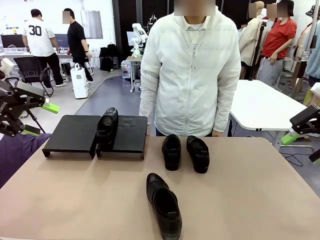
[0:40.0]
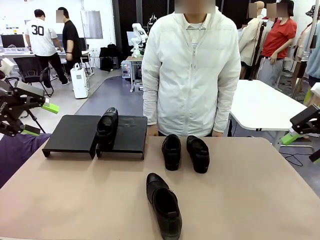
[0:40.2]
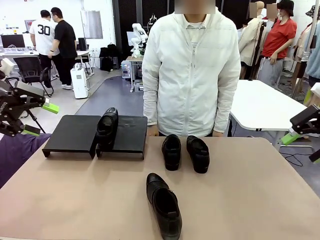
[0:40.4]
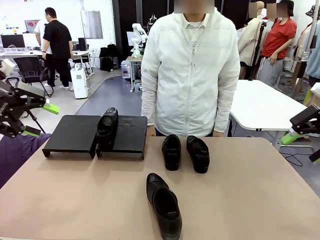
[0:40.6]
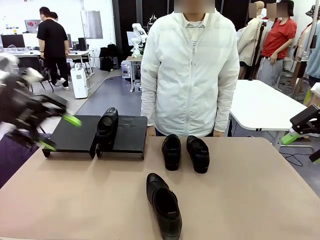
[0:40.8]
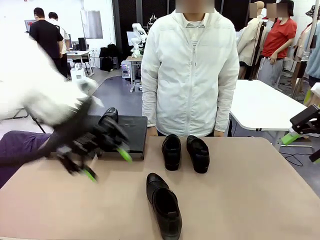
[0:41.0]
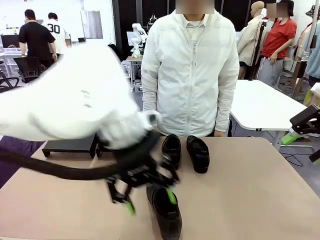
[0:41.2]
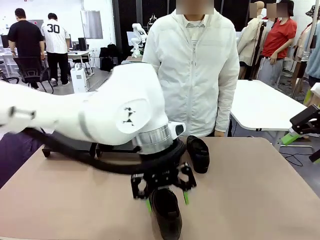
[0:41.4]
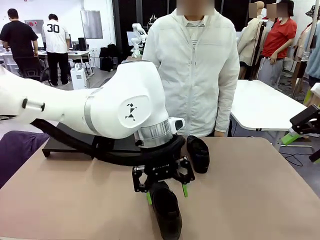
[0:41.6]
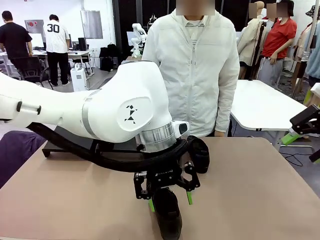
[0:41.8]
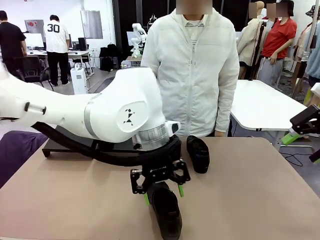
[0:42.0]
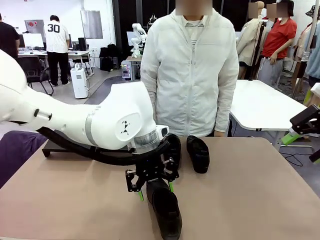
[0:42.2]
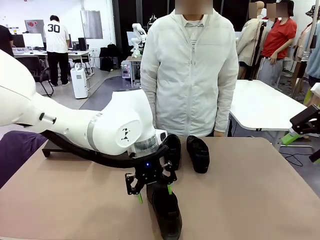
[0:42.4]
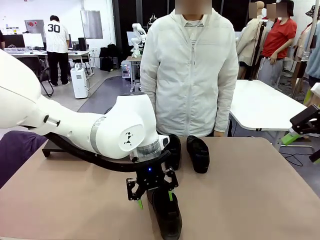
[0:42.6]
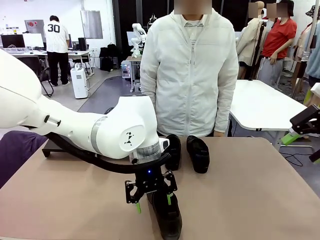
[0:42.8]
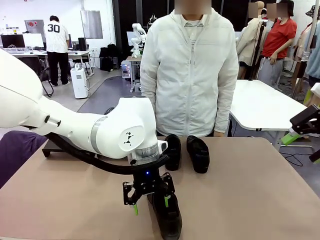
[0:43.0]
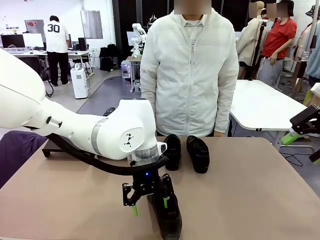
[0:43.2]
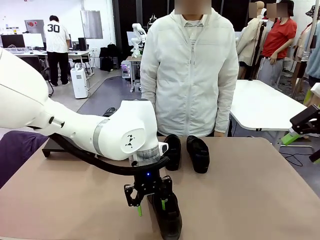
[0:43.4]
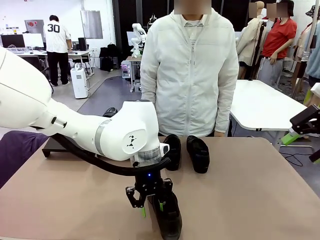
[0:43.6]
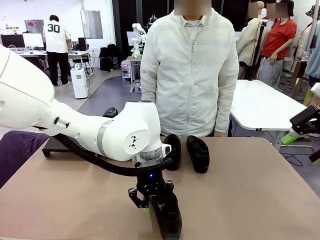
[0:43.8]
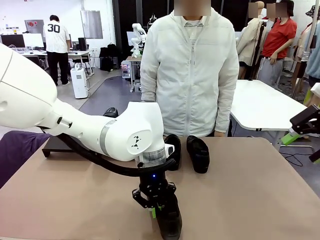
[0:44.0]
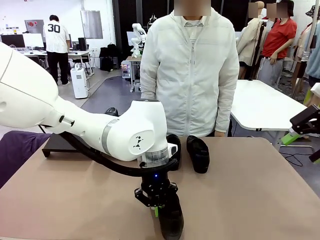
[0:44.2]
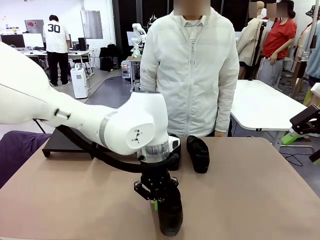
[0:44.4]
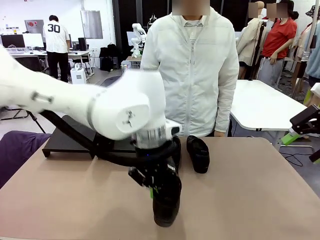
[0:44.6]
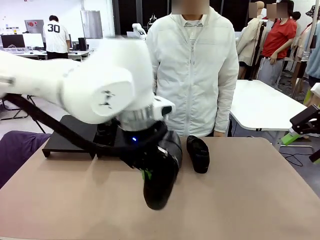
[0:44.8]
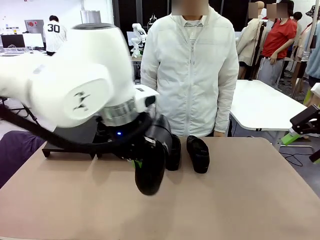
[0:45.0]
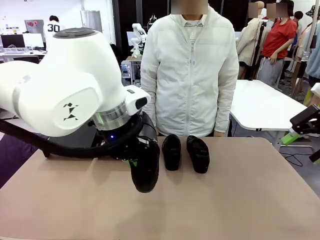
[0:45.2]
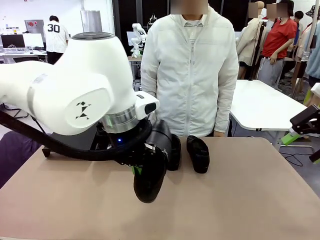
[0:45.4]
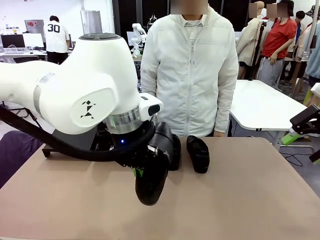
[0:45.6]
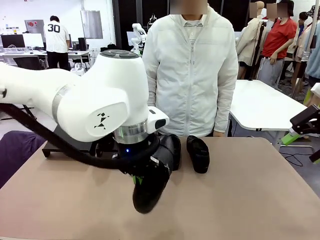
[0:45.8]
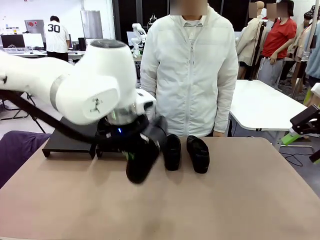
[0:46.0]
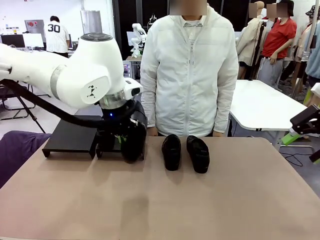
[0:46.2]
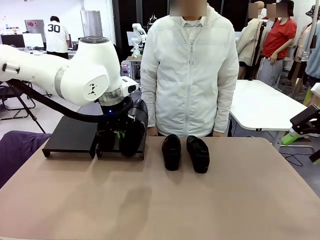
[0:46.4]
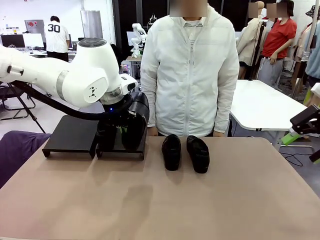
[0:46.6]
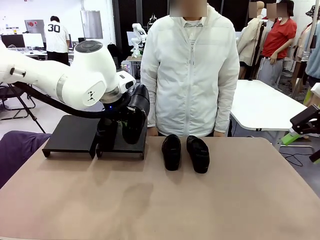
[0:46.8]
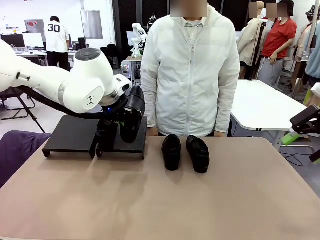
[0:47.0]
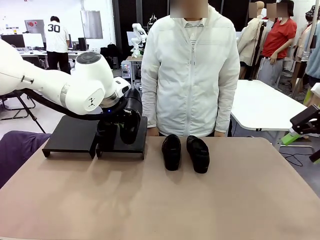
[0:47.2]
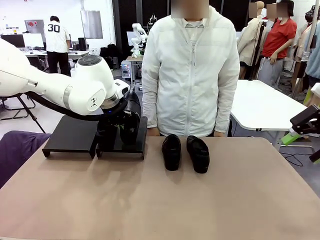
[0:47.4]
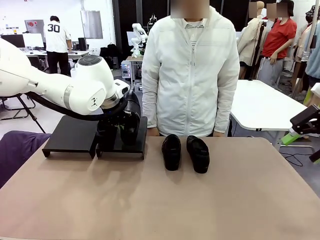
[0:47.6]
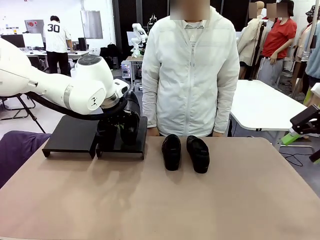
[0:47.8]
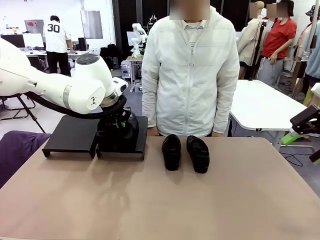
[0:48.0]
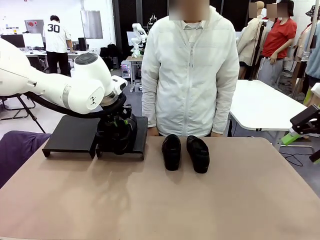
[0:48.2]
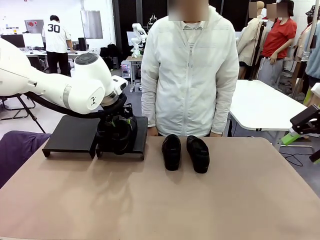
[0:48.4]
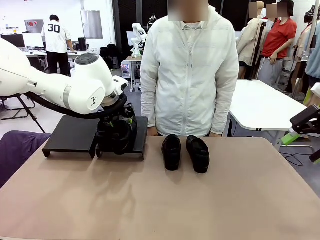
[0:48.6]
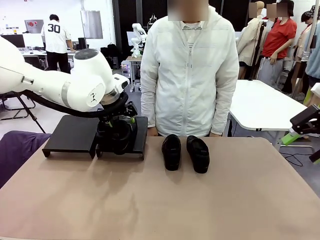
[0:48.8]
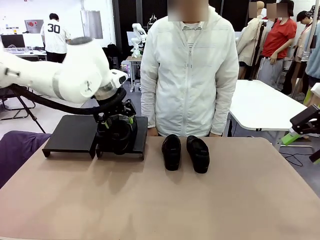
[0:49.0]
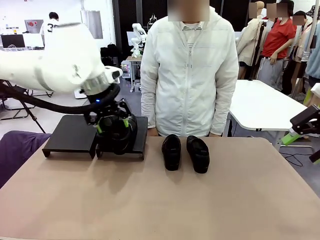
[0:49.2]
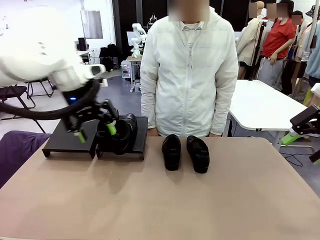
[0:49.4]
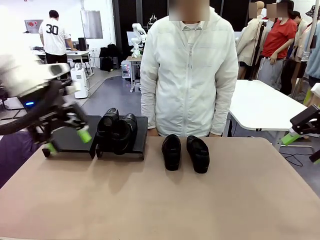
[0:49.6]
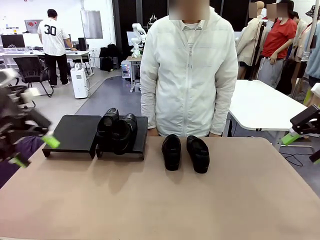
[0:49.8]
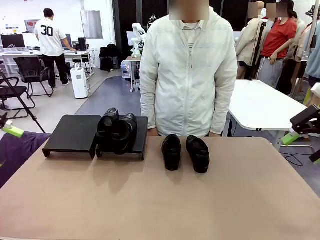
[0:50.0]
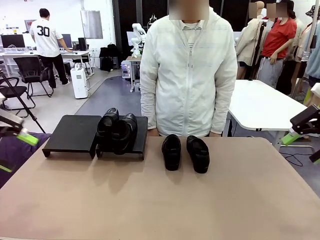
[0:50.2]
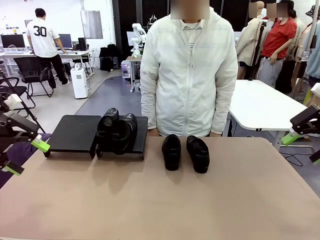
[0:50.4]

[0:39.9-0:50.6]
Task: Organize the shoes by placing them on the stand.
Robot: Place the Shoe from the middle of the table onto the Shoes Stand.

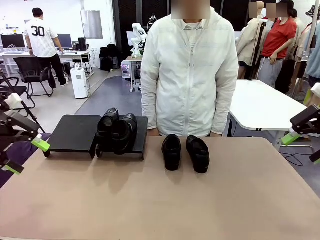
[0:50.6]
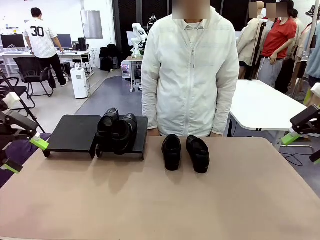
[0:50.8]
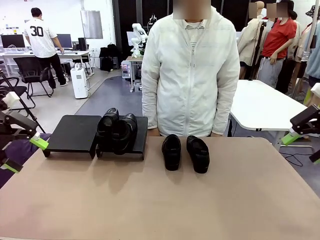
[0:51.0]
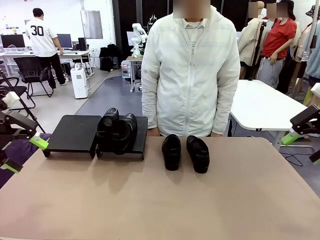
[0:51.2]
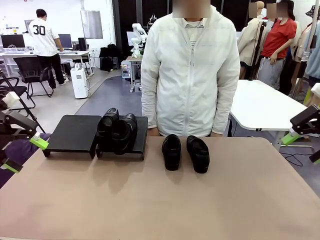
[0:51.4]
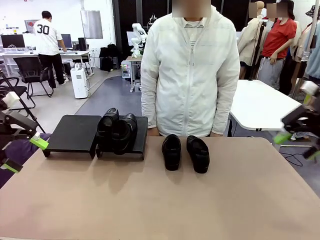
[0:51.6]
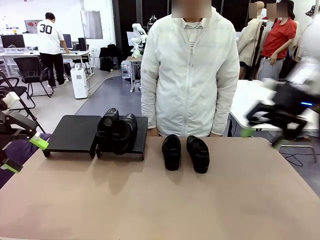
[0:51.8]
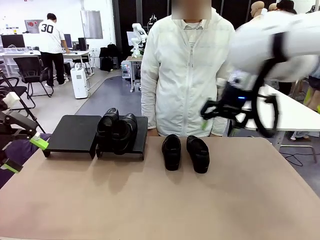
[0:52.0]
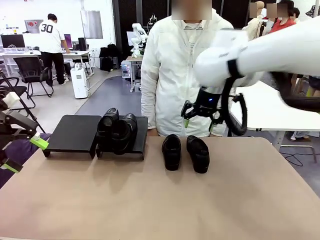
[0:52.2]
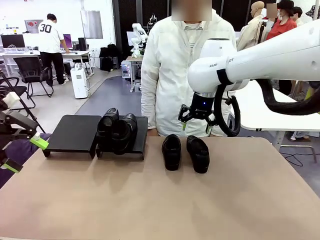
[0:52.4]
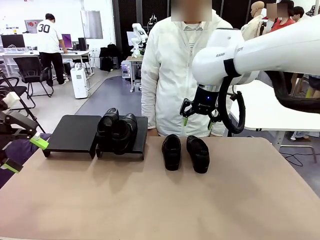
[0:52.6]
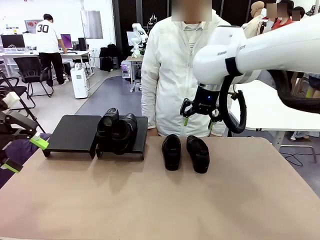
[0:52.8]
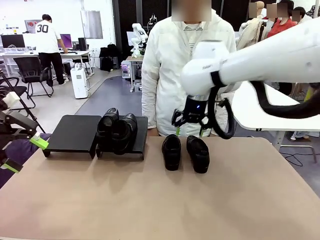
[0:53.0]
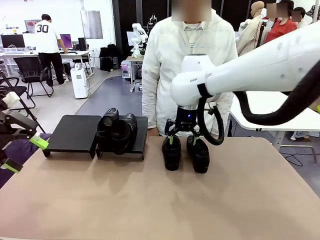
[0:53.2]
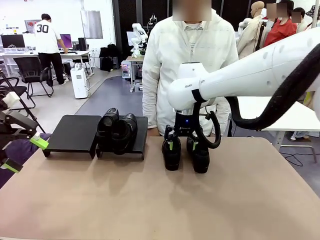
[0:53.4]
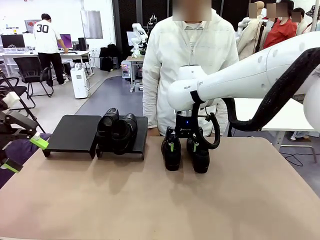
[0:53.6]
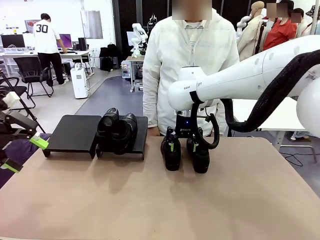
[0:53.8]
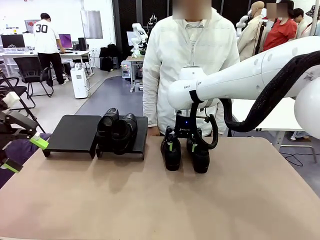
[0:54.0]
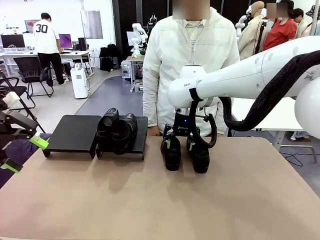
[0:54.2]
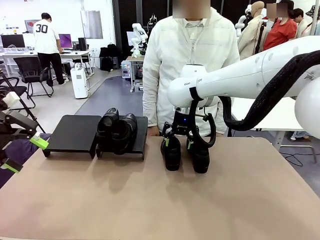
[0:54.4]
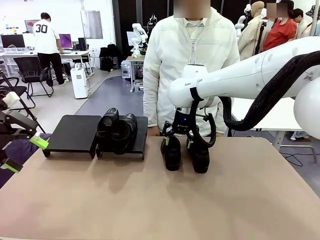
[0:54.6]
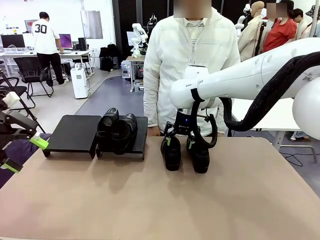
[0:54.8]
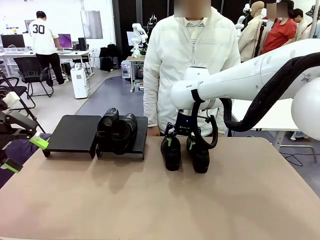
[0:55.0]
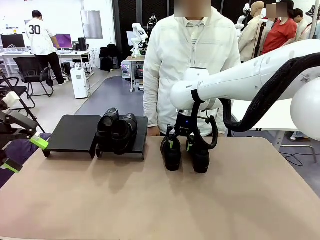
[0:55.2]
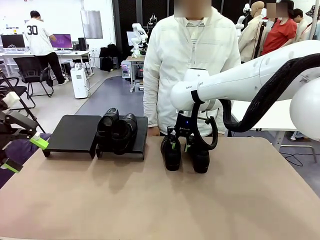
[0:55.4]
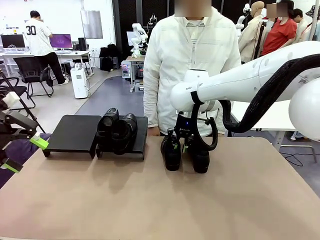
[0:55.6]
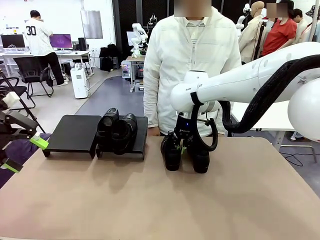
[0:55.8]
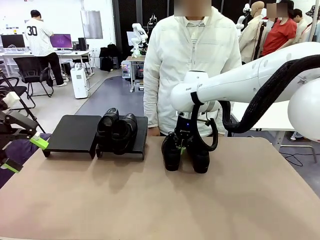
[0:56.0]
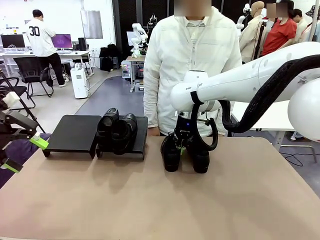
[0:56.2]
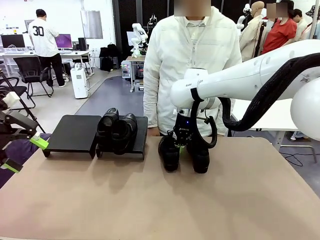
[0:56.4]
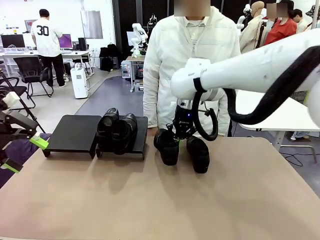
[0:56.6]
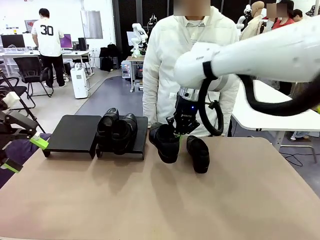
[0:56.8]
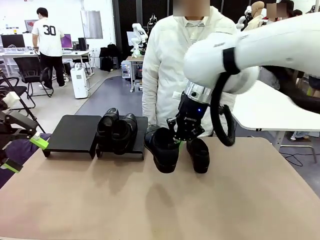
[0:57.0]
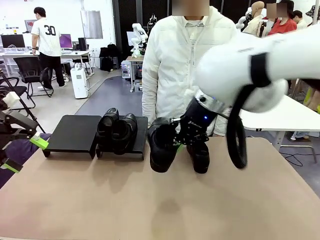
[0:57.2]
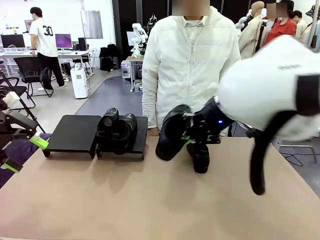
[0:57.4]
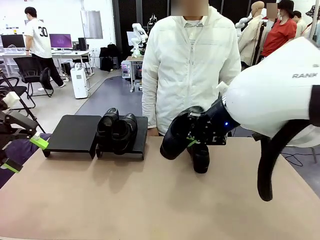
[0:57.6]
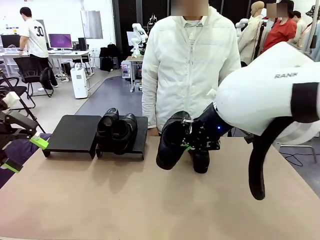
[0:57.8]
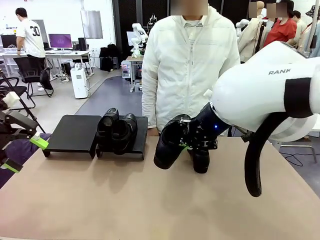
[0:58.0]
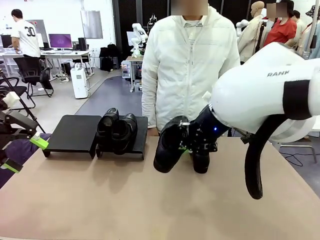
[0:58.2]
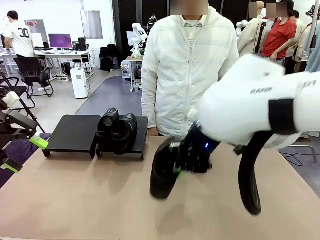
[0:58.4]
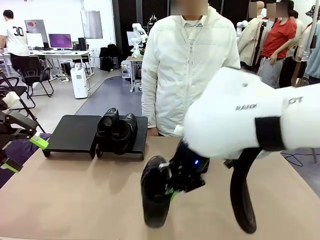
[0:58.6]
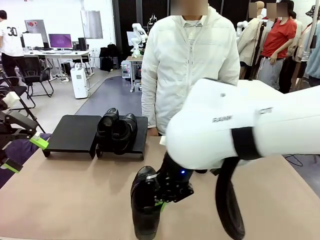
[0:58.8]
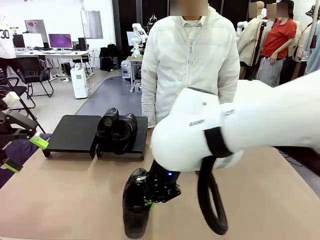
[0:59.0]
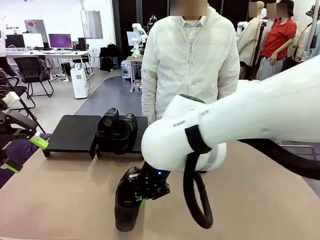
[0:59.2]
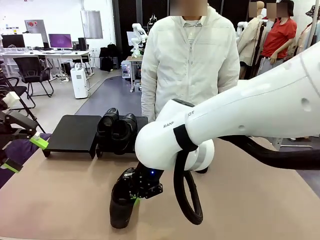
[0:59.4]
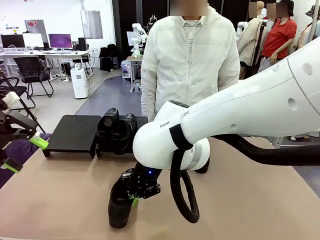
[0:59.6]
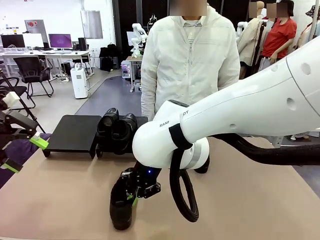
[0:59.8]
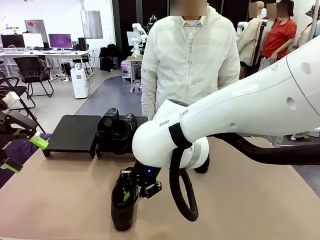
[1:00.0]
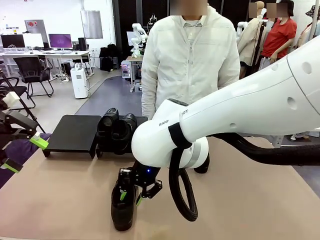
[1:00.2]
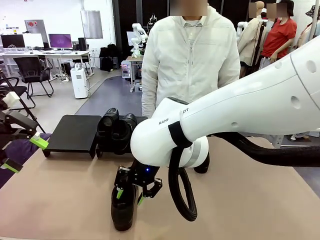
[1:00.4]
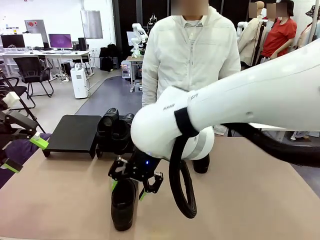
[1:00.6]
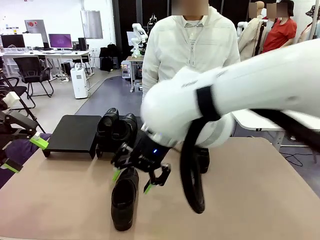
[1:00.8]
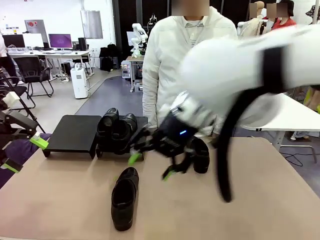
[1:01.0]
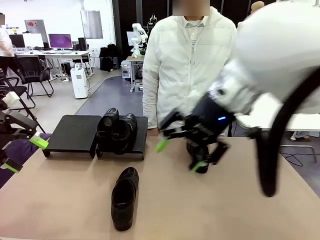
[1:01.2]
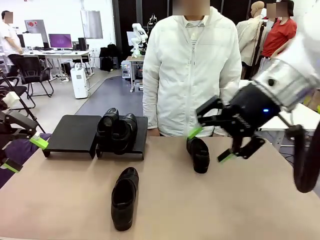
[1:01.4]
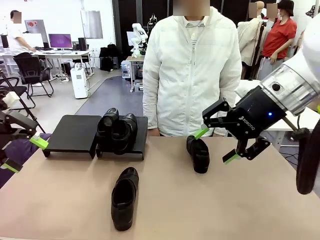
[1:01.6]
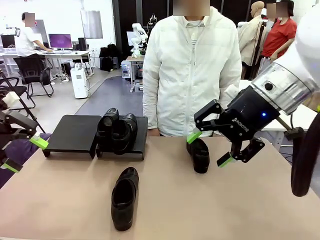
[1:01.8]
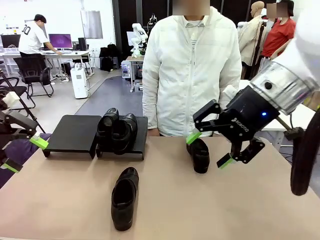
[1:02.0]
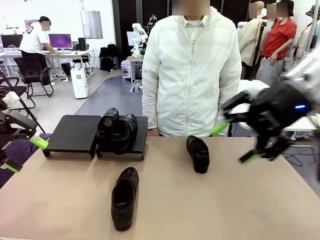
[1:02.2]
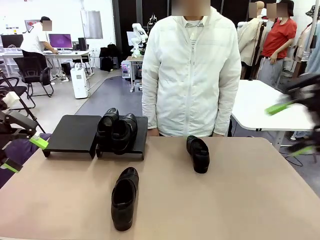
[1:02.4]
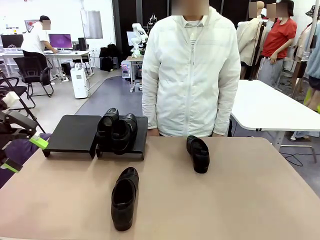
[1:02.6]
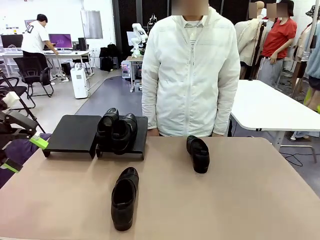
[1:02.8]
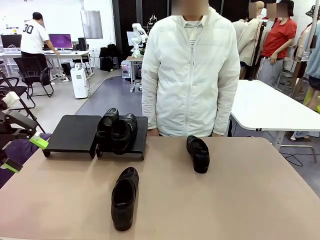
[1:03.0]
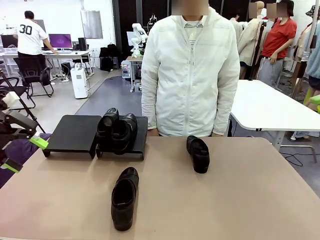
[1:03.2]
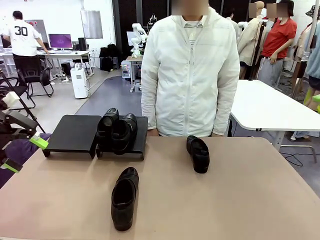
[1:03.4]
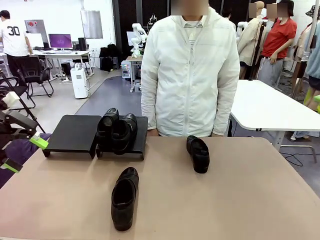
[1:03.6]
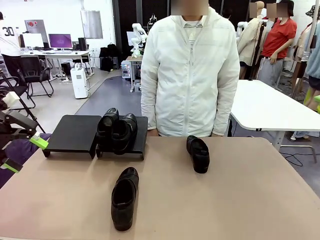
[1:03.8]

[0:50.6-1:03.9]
Robot: Pick up one Shoe and place it in the middle of the table.
